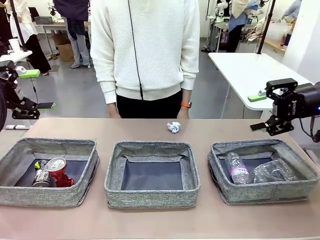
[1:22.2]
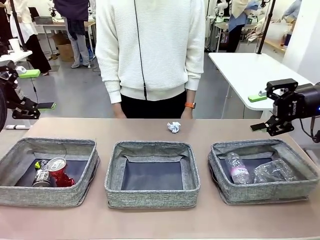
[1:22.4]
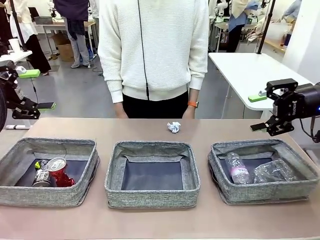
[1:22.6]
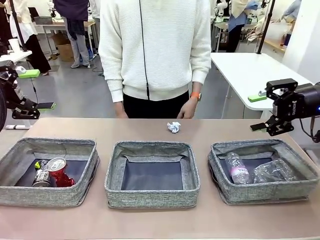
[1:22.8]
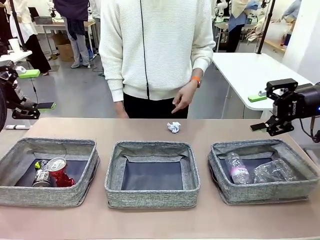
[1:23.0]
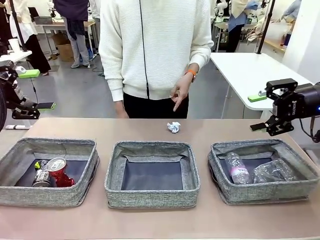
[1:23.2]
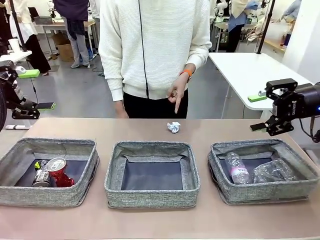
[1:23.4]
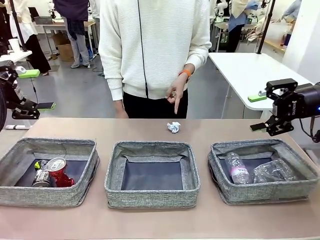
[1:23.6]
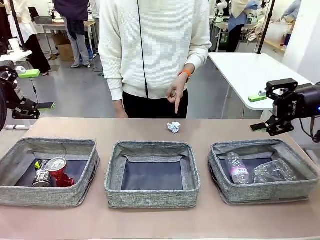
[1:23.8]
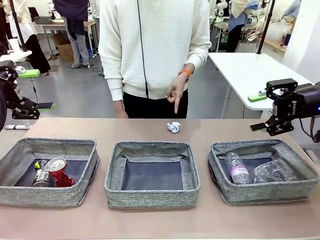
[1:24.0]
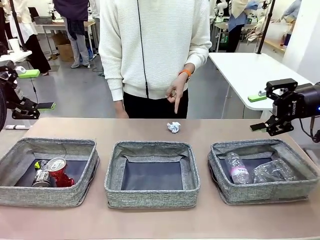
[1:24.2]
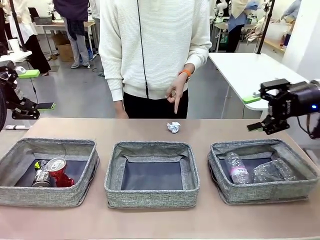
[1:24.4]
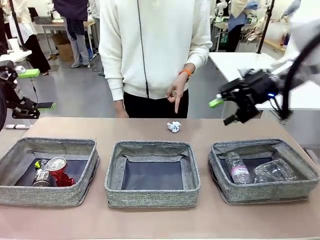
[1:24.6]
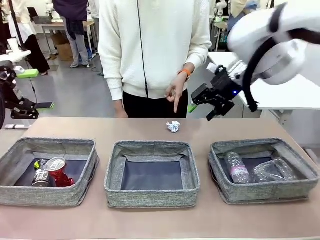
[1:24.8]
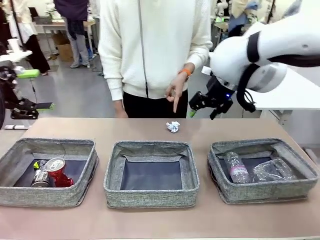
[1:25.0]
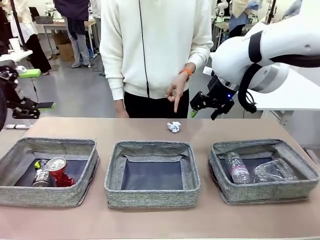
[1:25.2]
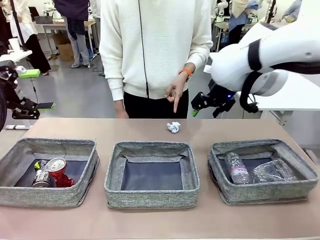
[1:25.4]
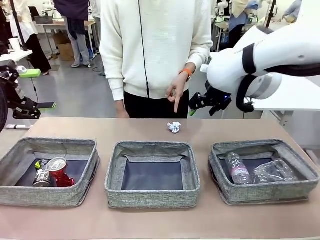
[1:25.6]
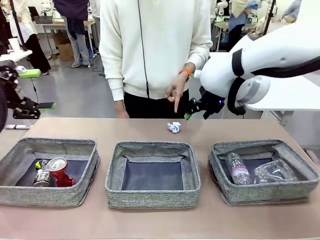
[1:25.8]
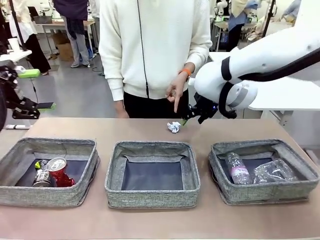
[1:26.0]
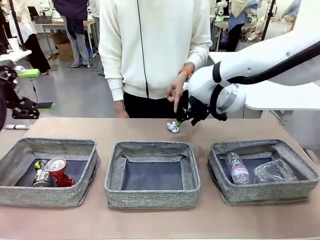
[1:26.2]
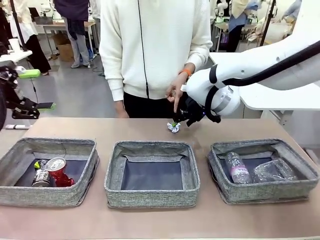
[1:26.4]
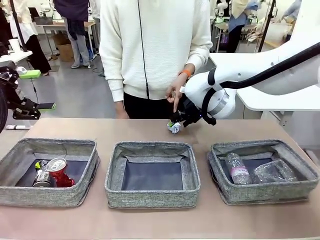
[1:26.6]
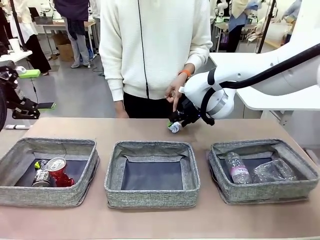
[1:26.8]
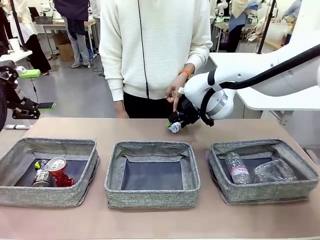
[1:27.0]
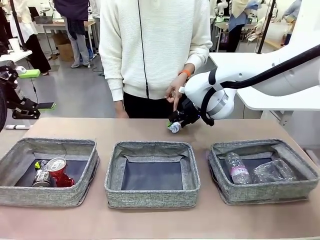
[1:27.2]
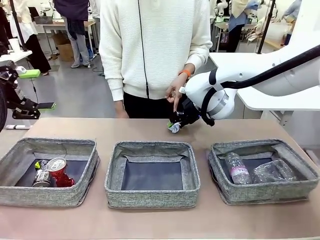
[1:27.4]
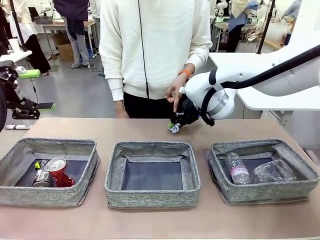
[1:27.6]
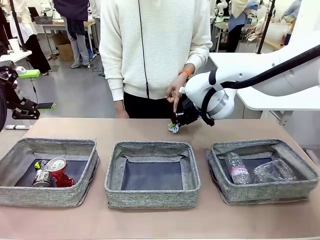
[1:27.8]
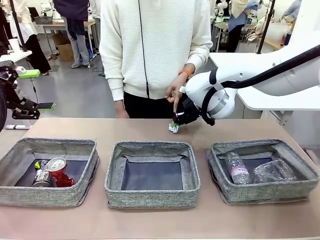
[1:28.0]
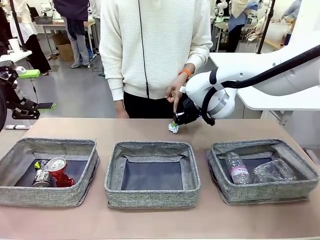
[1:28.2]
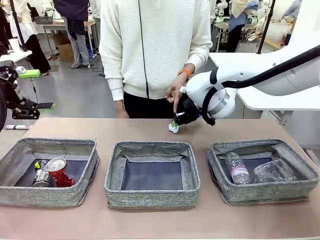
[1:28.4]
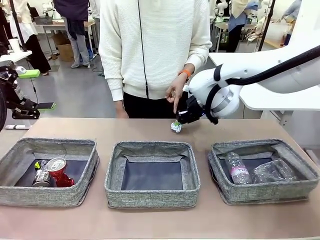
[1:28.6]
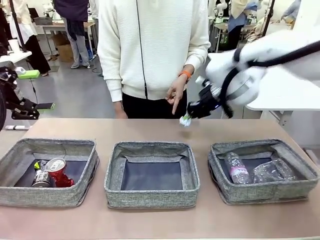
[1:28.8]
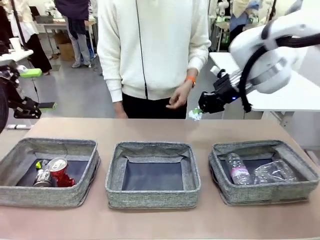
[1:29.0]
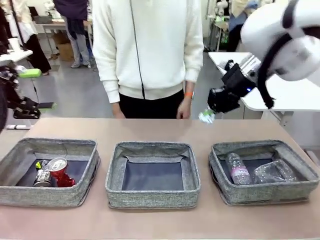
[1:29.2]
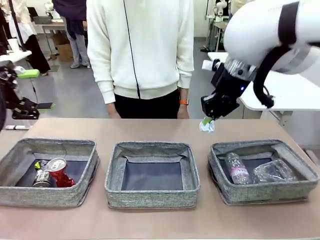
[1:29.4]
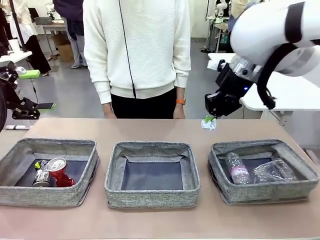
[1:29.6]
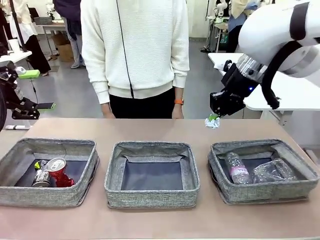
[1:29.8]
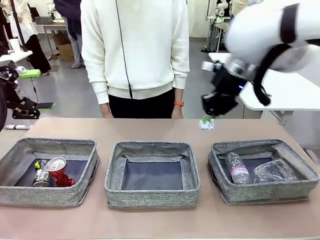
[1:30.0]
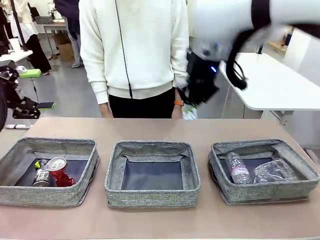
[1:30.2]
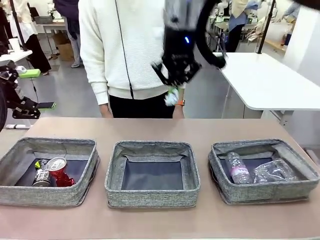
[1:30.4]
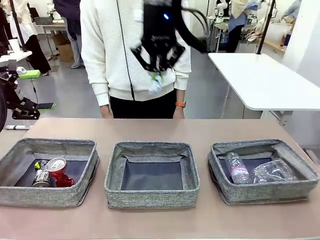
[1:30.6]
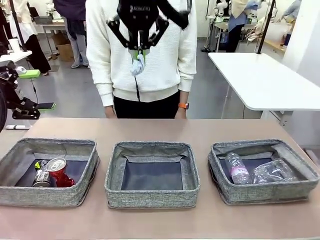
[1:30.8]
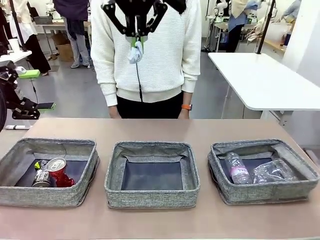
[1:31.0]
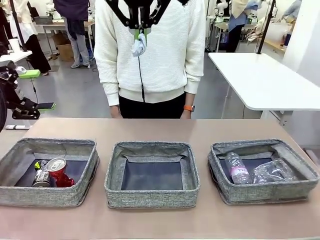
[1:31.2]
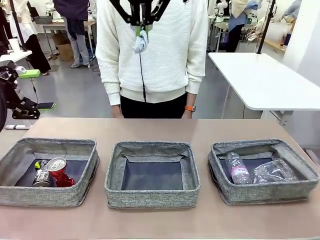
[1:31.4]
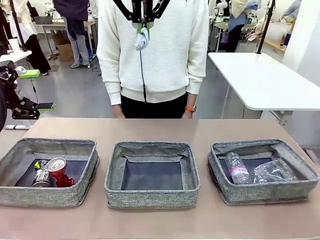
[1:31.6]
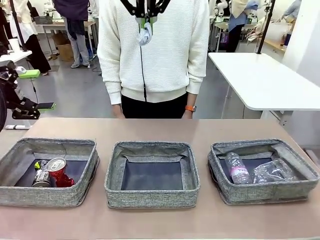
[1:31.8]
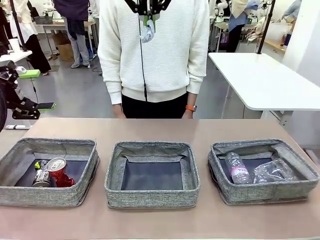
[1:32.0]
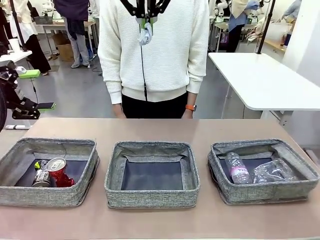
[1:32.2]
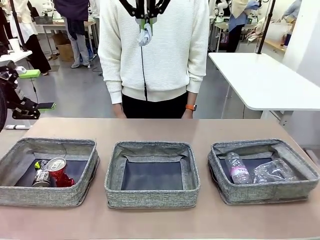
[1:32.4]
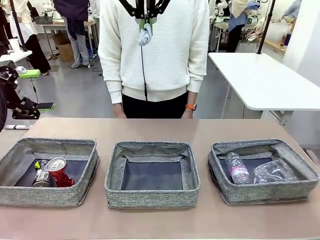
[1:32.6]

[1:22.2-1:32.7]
Task: Sort the waste into the appropriate baskets.
Robot: Pick up the waste item pointed out by the person.
Person: Points to one piece of trash on the table.

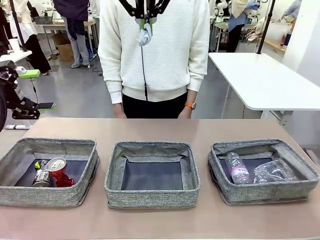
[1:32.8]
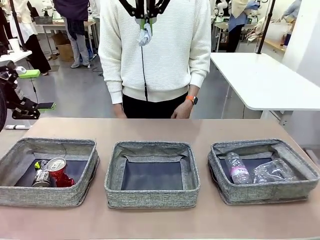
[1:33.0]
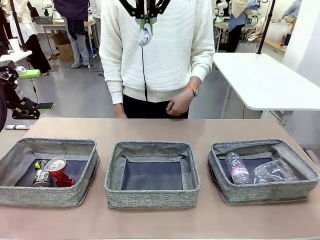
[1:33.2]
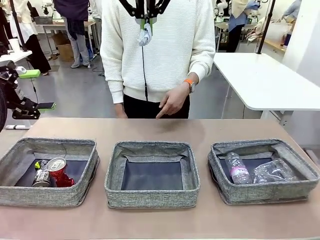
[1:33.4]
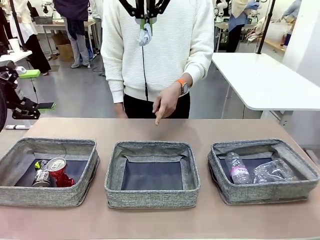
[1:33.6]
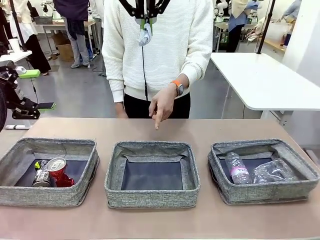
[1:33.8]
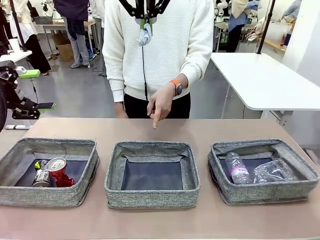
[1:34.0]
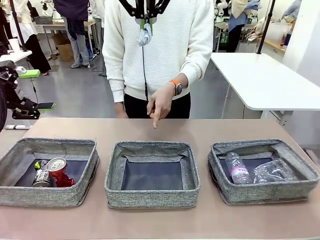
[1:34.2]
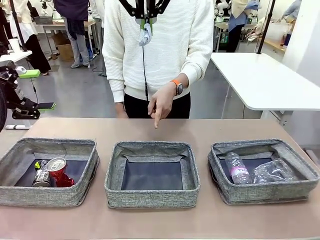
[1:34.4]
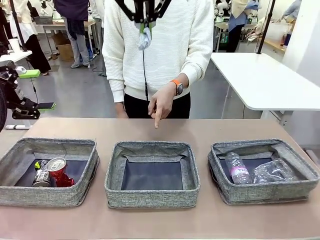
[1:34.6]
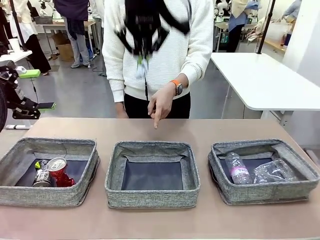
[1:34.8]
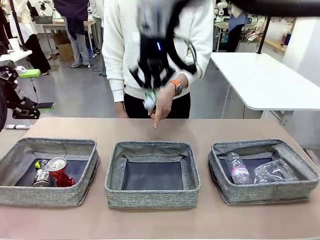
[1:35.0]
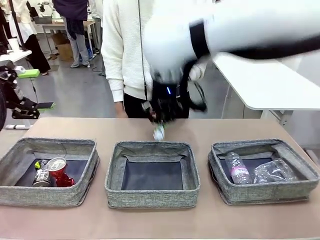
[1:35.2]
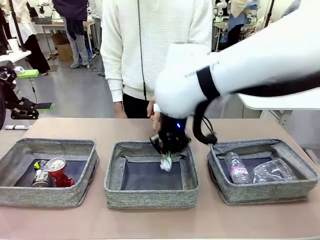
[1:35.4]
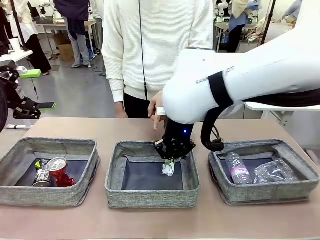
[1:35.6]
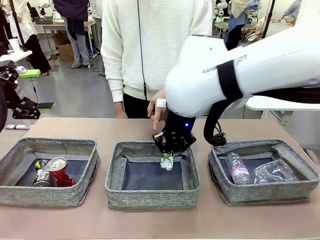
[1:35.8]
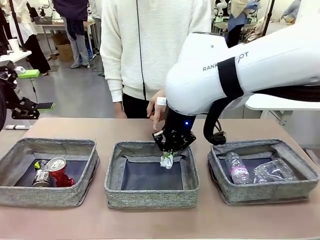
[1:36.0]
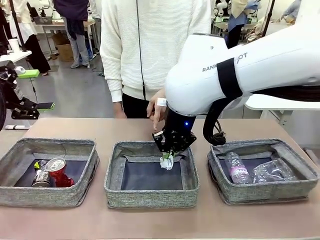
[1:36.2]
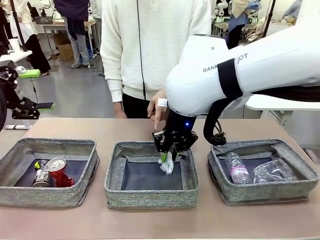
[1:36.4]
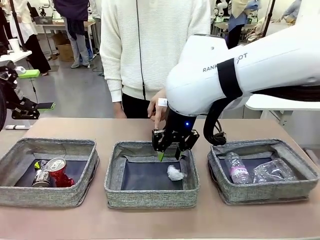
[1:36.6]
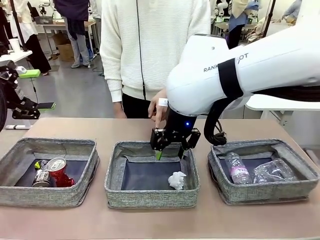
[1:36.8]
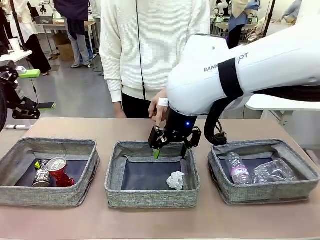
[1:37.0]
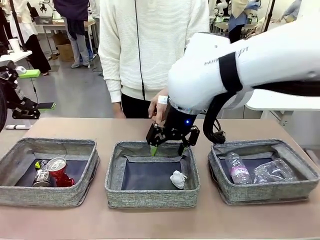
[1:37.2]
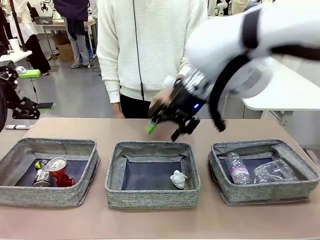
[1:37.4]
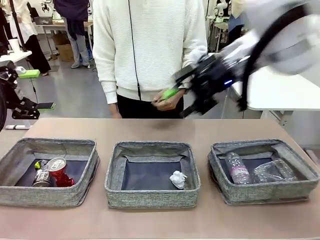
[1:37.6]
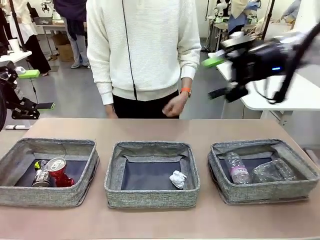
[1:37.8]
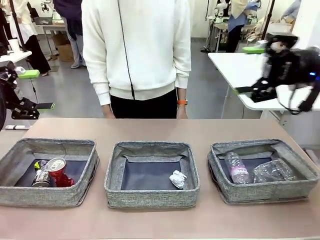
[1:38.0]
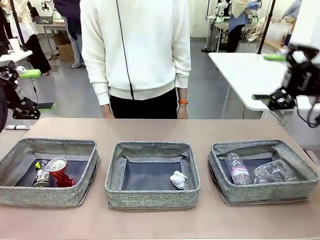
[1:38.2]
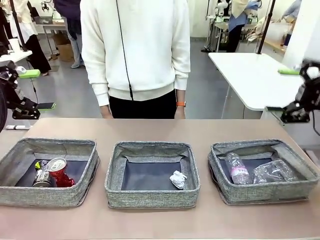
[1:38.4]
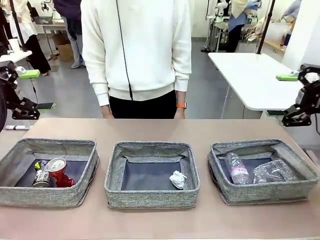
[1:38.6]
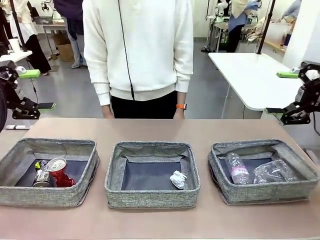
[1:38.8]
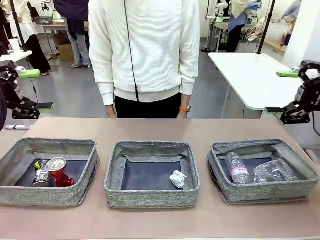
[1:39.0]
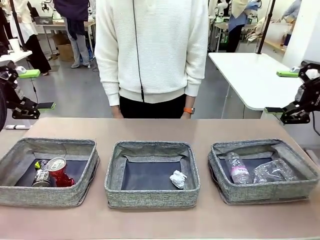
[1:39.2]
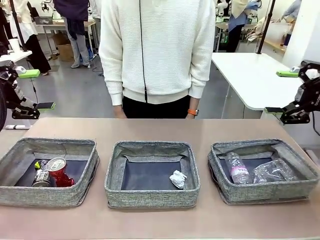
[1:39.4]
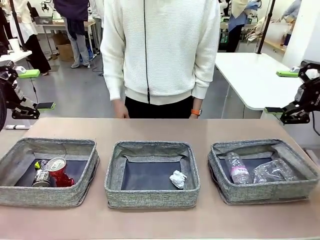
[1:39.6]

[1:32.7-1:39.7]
Robot: Place the picked waste into the Fabric basket indicated by the person.
Person: Instructs the robot to place the picked-up trash into the appropriate organizing basket.
